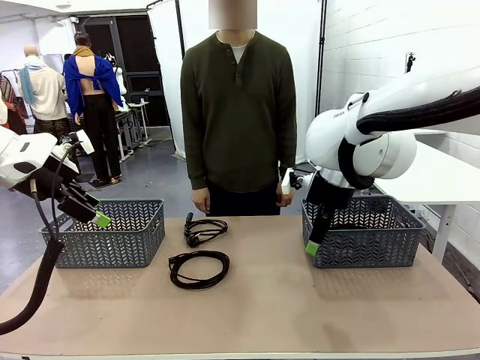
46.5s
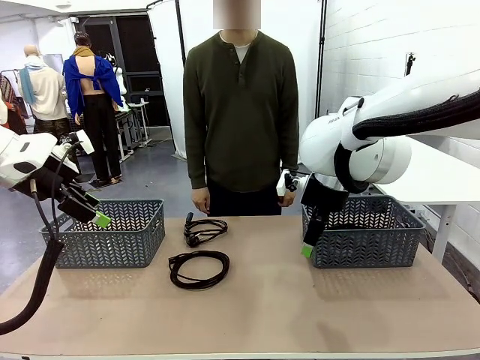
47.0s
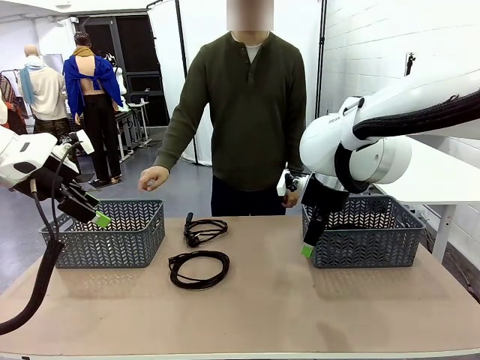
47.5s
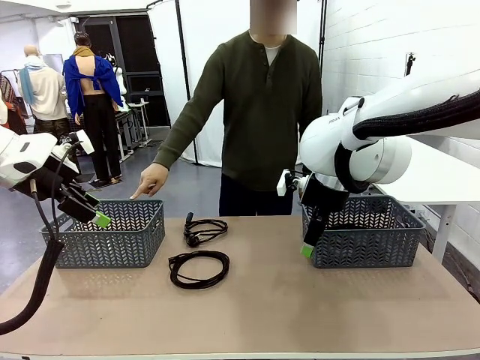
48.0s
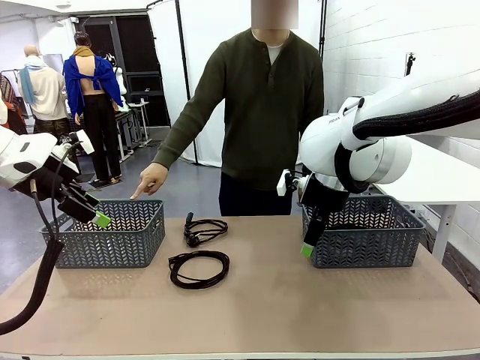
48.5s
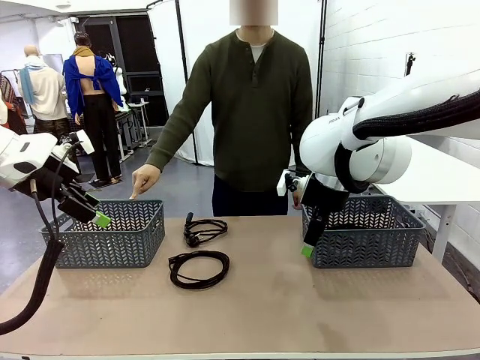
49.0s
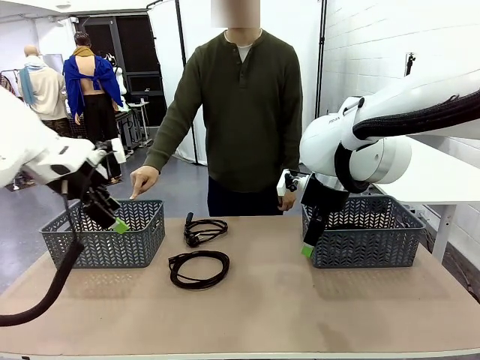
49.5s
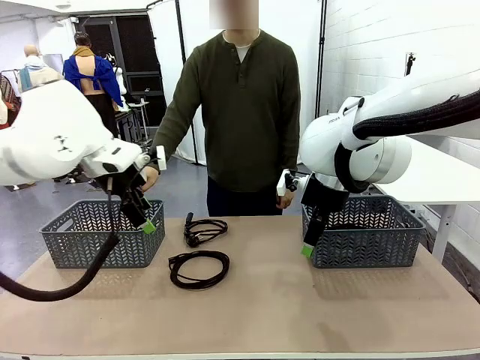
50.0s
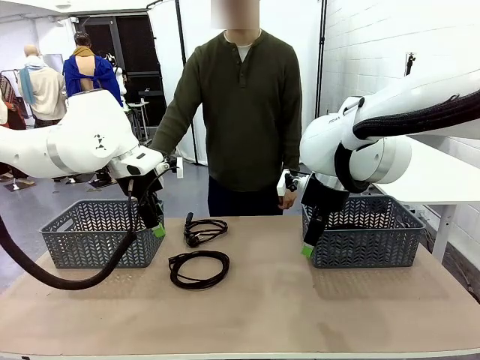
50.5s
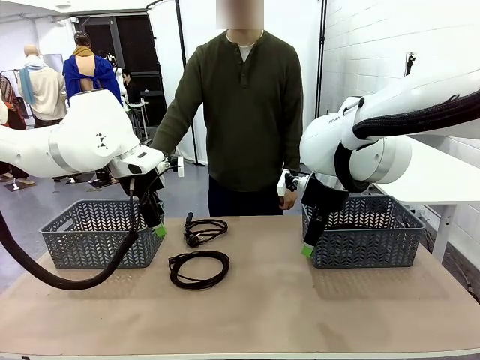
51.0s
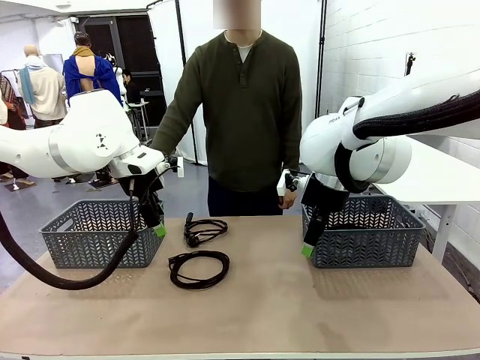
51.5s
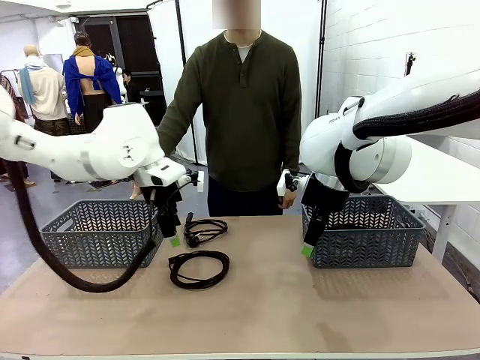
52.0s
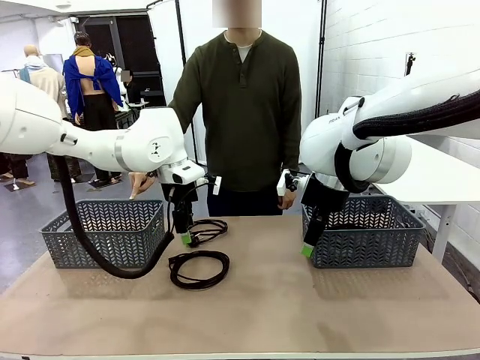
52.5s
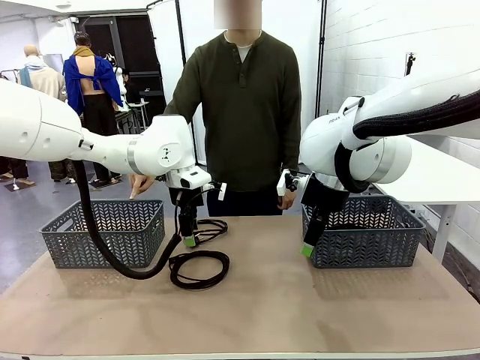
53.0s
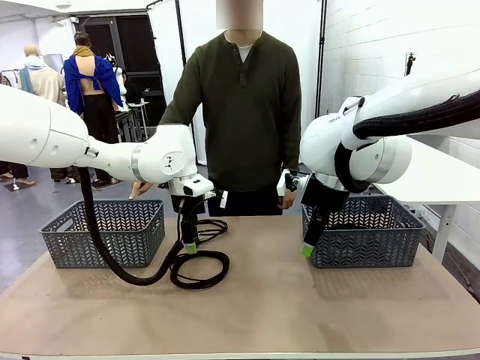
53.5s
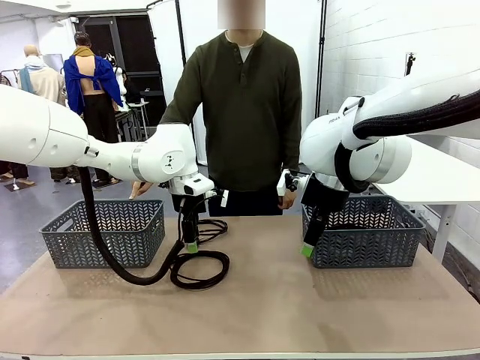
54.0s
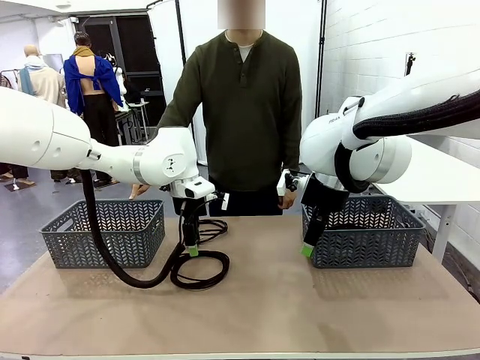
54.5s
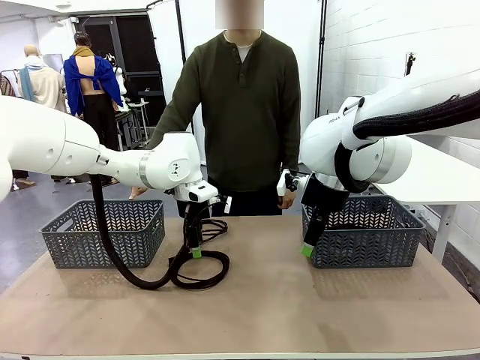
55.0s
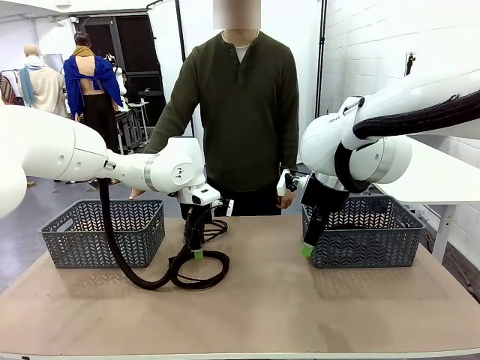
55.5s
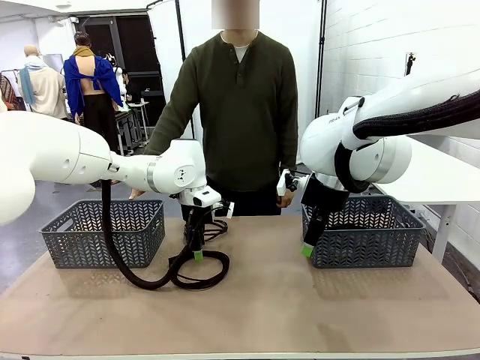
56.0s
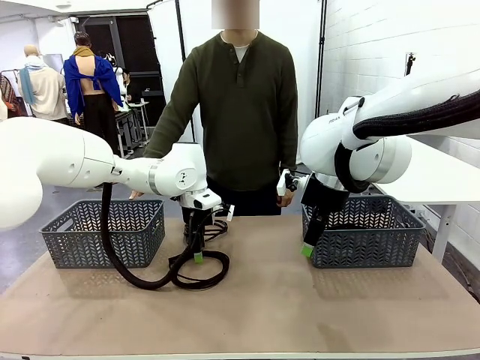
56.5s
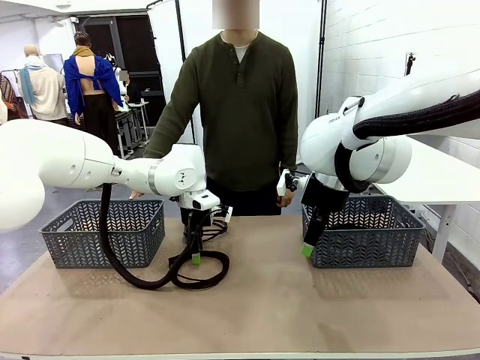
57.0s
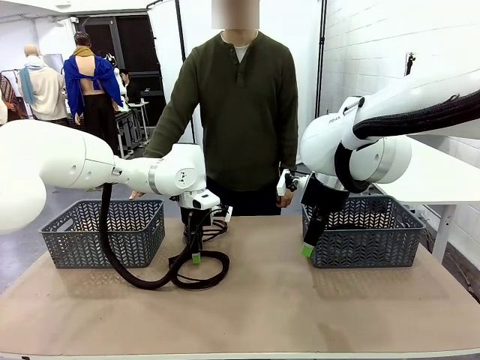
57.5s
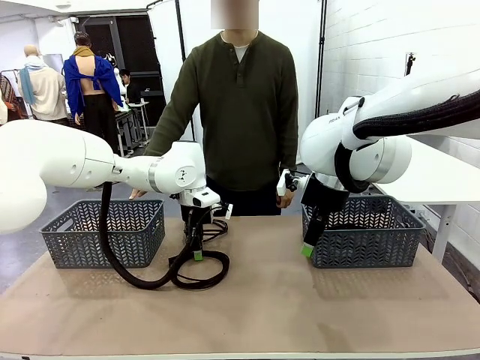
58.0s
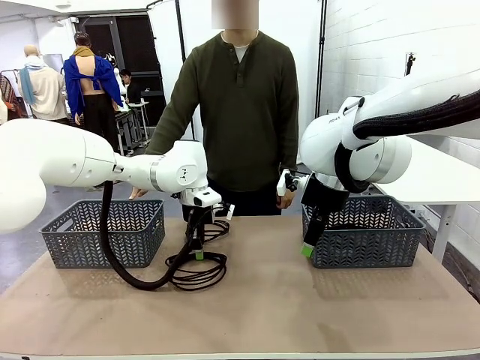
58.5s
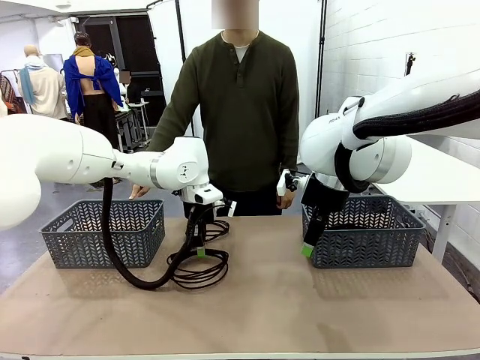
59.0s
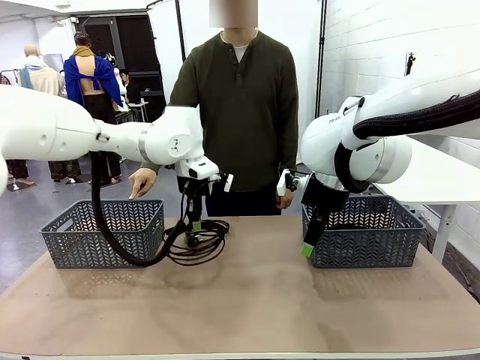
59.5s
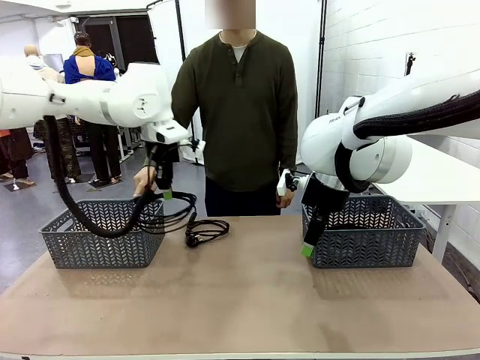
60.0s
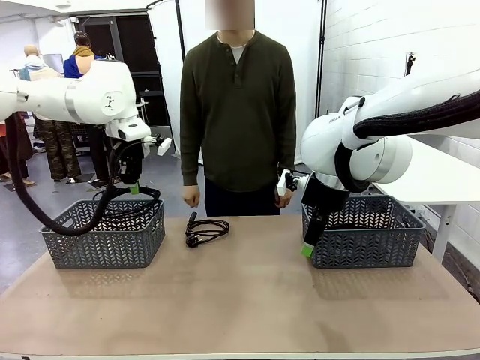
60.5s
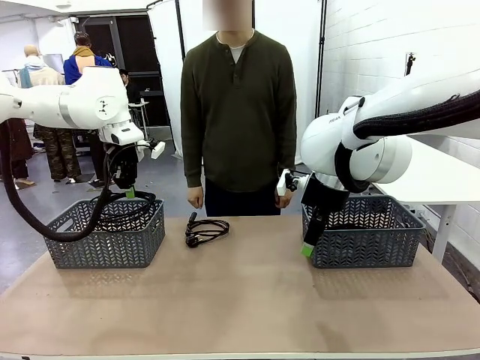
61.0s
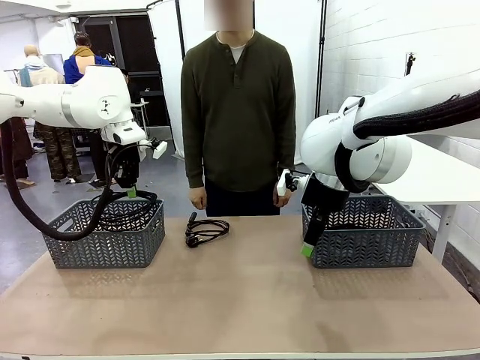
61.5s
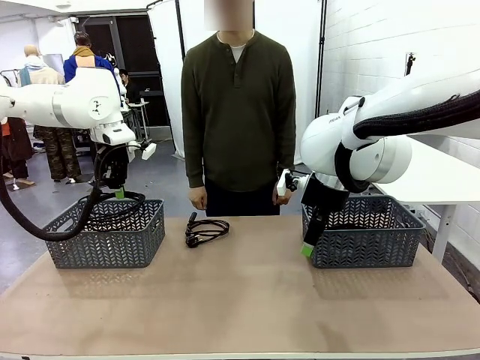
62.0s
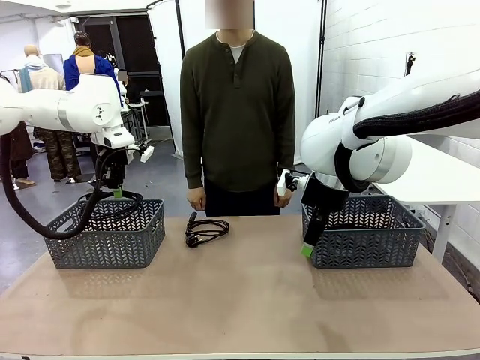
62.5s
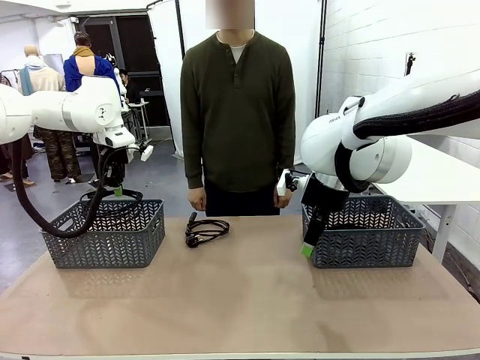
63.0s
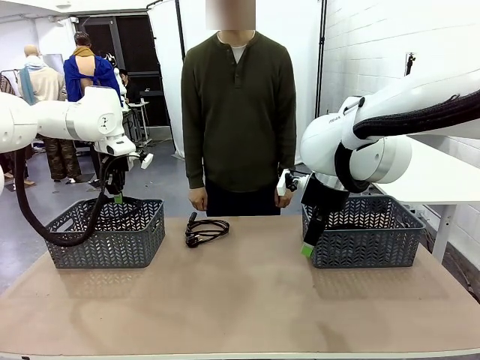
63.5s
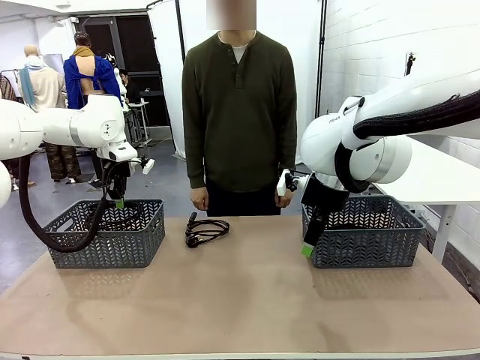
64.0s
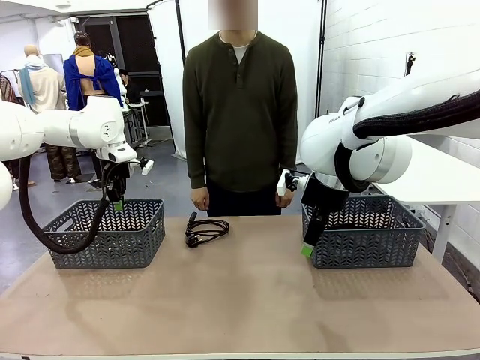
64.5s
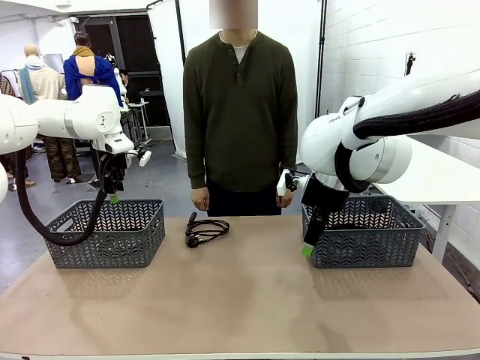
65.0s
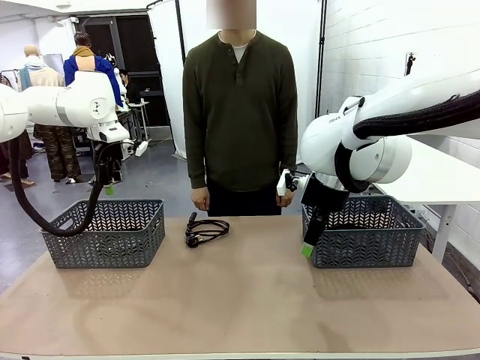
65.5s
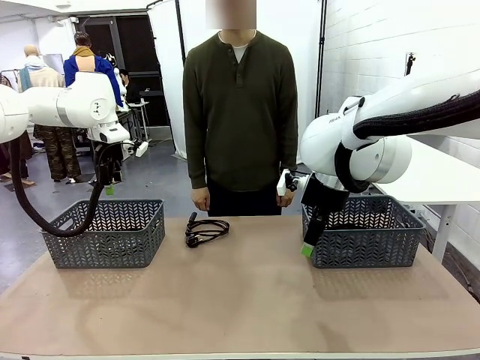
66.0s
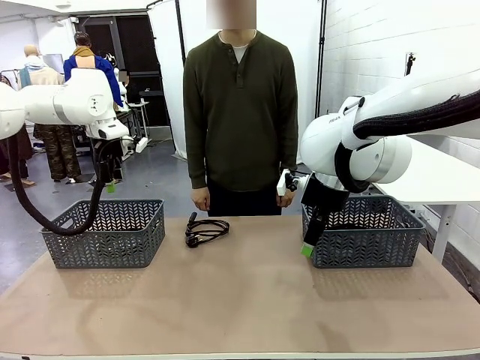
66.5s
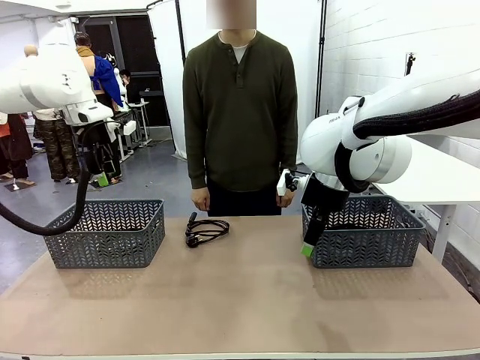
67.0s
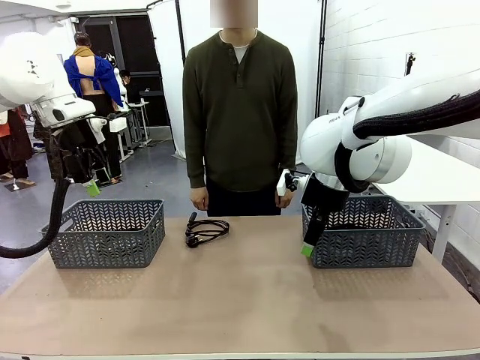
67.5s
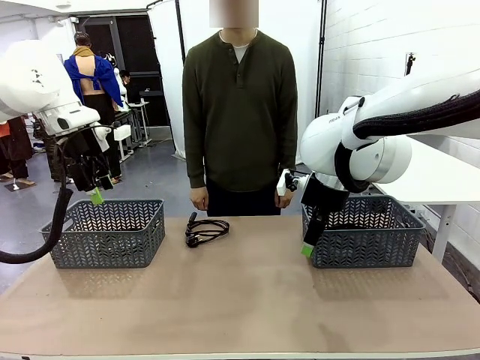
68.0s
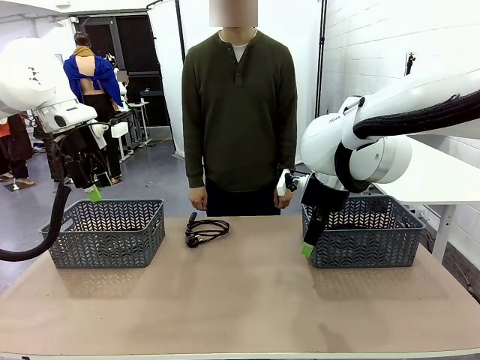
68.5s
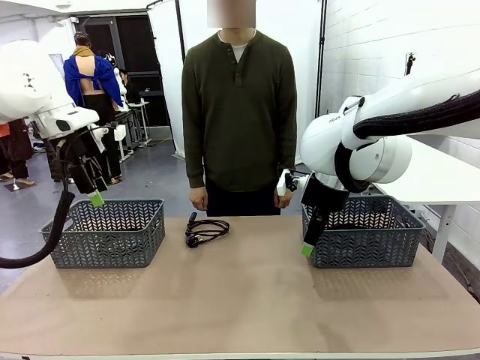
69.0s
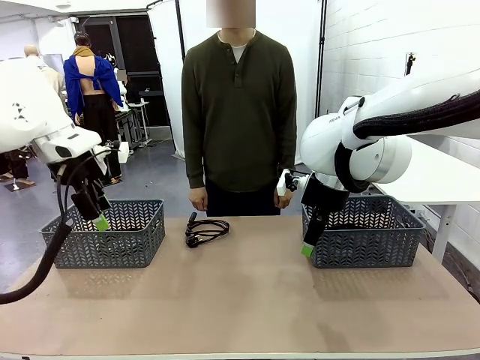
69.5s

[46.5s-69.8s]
Task: Organize the cables according to human instructions.
Robot: Pick up a bundle of cables and place it in the basket indicated by the human.
